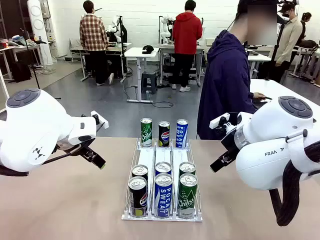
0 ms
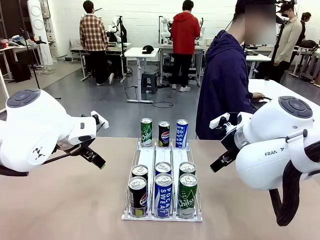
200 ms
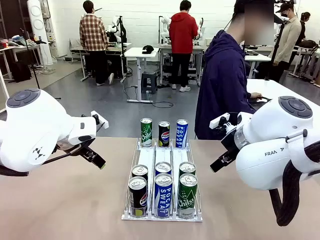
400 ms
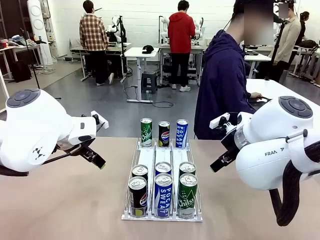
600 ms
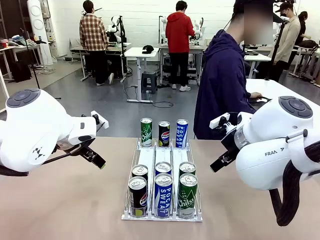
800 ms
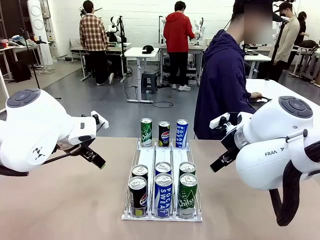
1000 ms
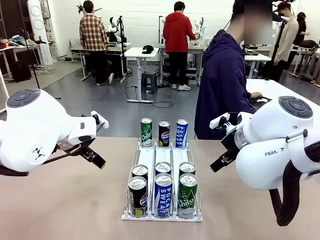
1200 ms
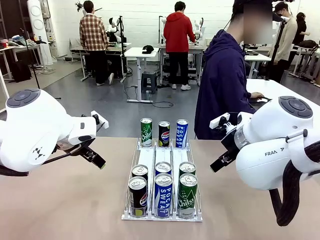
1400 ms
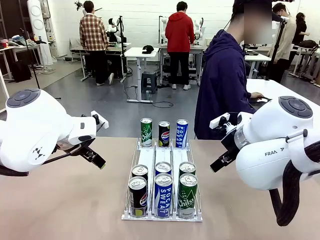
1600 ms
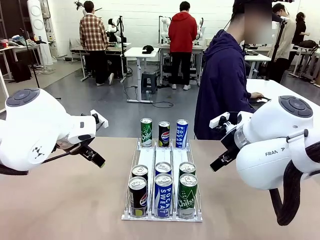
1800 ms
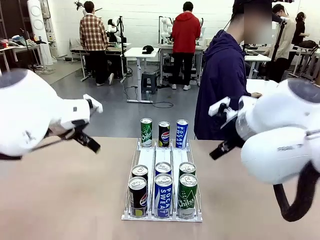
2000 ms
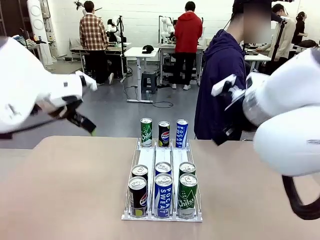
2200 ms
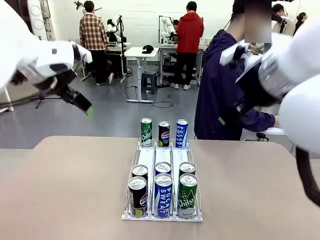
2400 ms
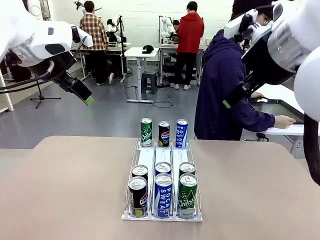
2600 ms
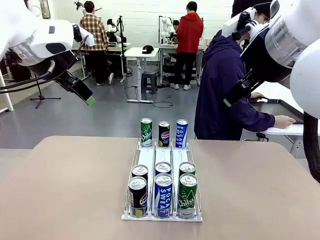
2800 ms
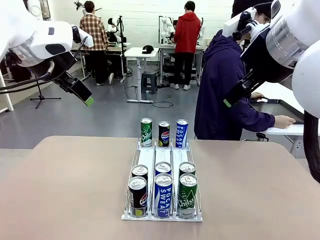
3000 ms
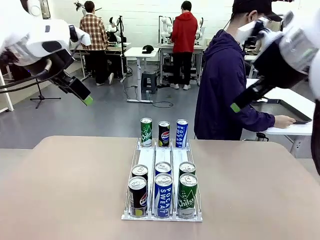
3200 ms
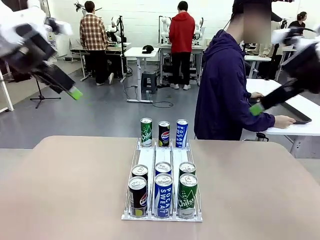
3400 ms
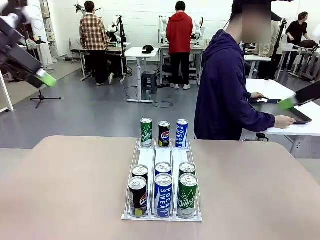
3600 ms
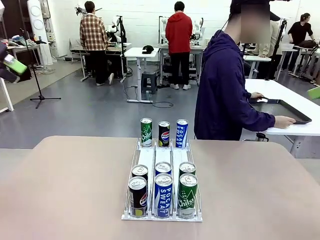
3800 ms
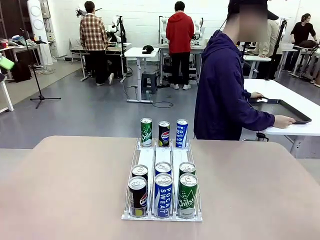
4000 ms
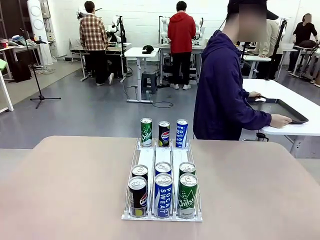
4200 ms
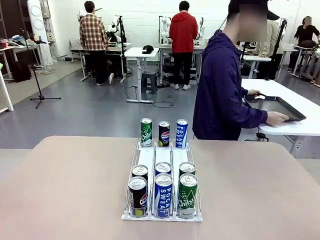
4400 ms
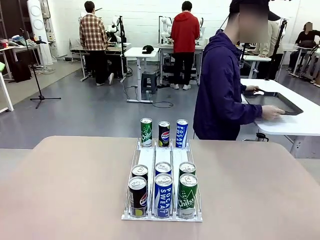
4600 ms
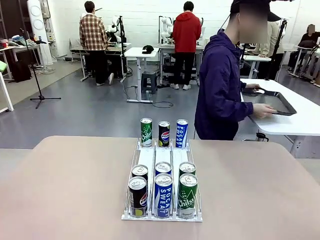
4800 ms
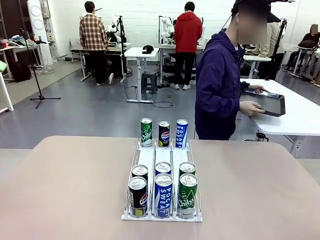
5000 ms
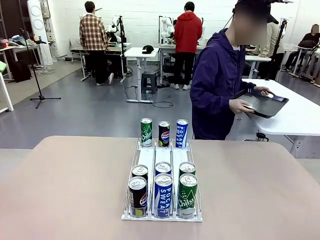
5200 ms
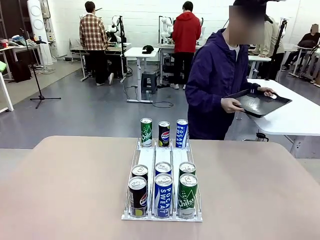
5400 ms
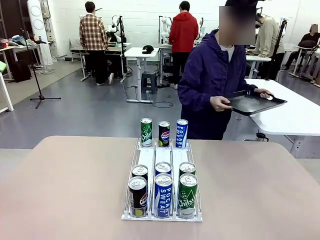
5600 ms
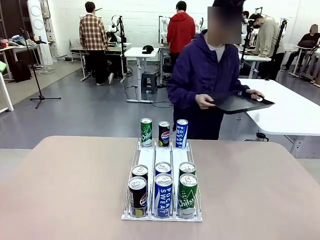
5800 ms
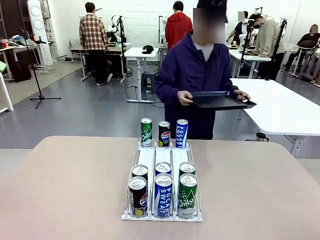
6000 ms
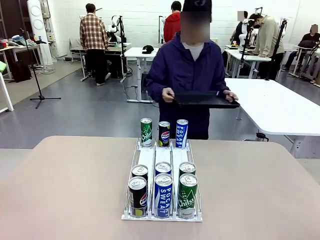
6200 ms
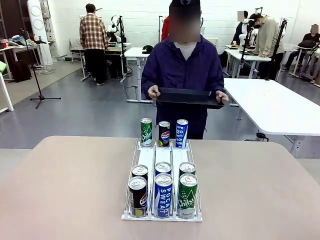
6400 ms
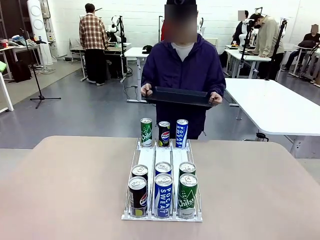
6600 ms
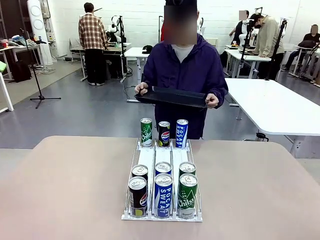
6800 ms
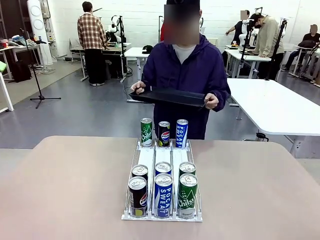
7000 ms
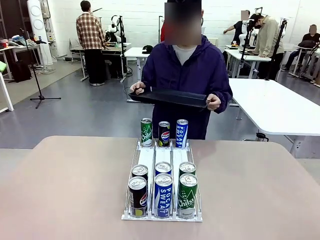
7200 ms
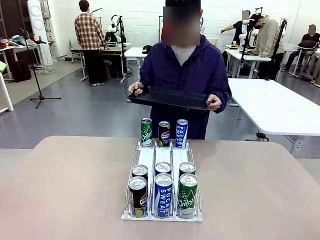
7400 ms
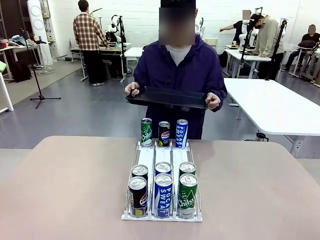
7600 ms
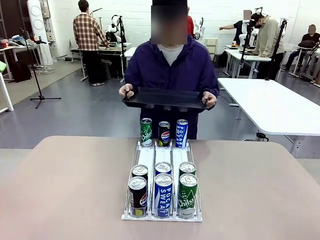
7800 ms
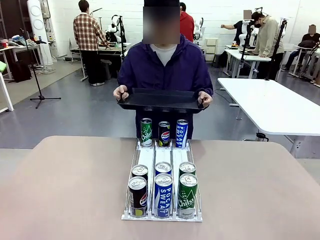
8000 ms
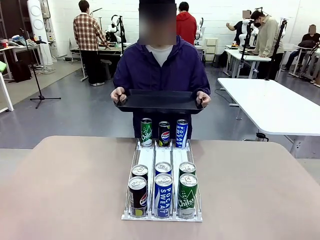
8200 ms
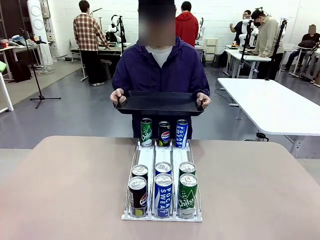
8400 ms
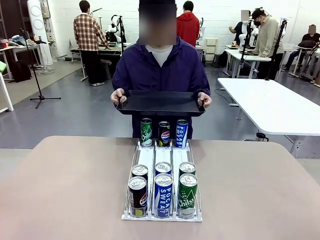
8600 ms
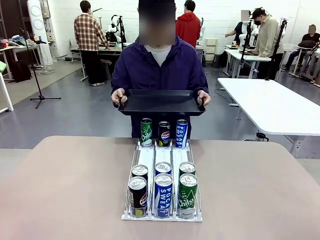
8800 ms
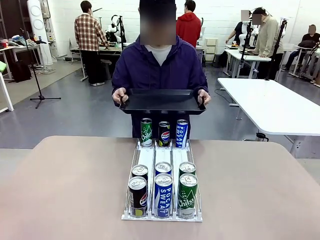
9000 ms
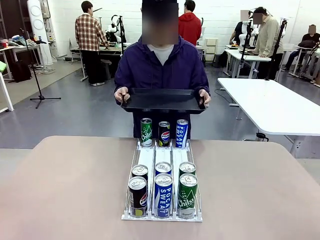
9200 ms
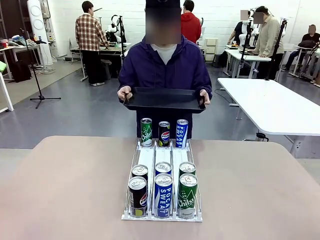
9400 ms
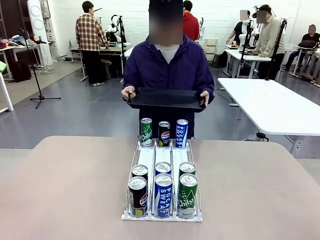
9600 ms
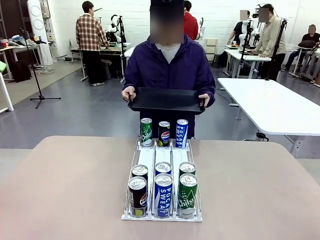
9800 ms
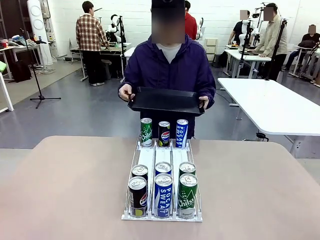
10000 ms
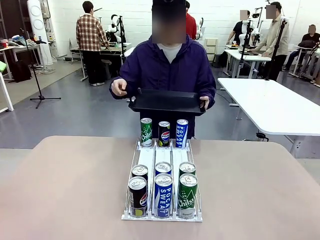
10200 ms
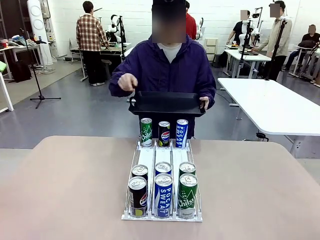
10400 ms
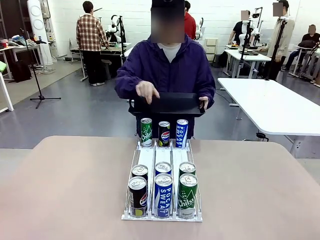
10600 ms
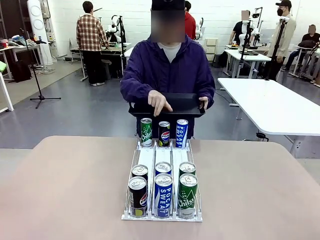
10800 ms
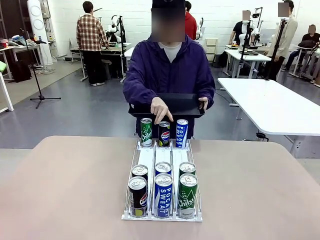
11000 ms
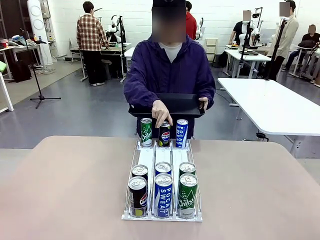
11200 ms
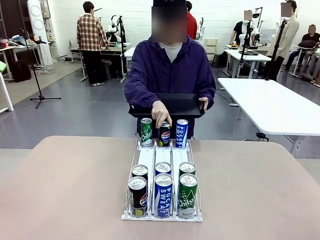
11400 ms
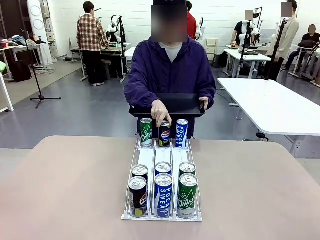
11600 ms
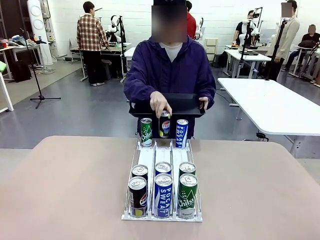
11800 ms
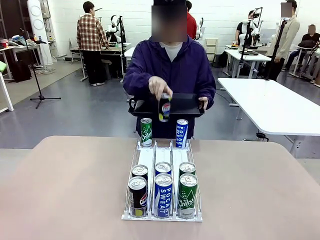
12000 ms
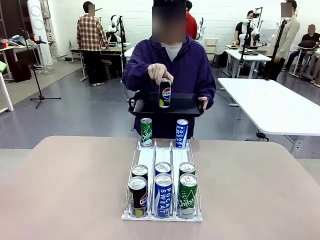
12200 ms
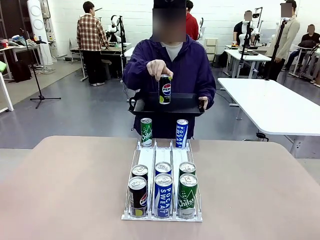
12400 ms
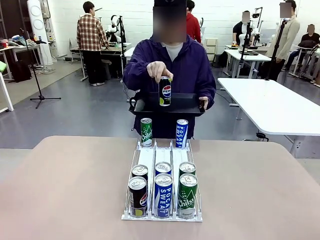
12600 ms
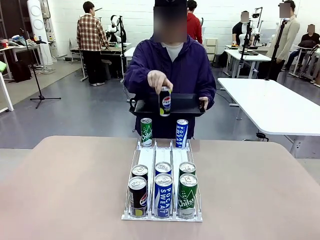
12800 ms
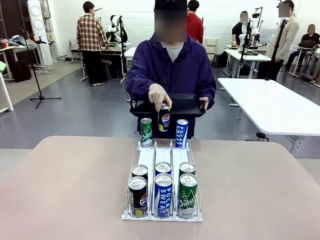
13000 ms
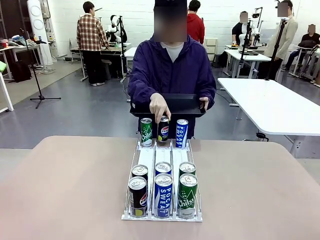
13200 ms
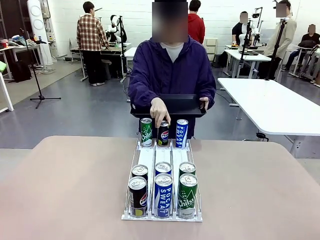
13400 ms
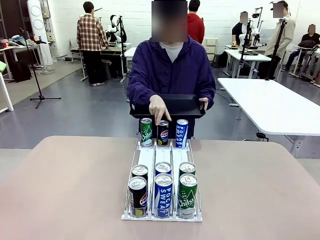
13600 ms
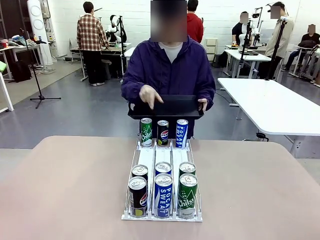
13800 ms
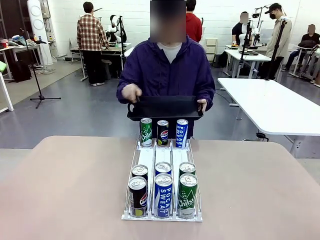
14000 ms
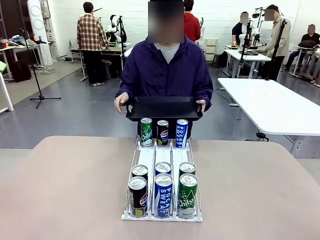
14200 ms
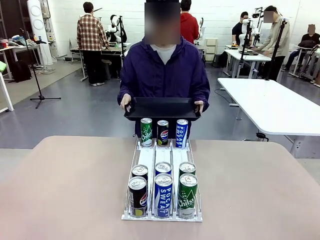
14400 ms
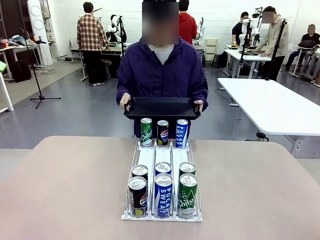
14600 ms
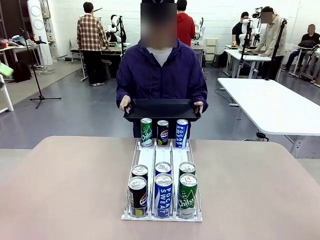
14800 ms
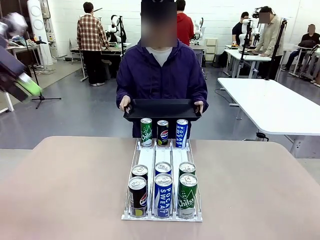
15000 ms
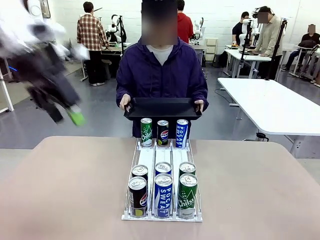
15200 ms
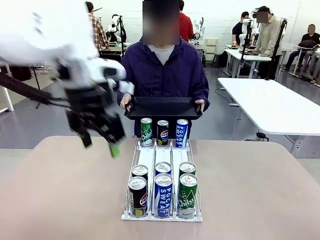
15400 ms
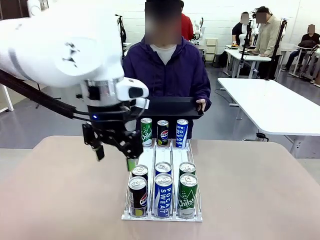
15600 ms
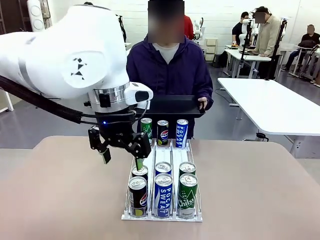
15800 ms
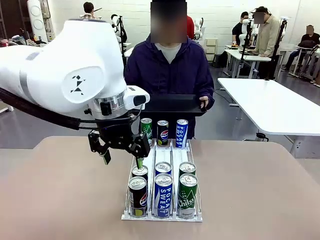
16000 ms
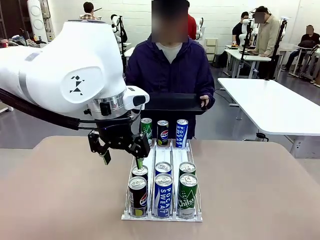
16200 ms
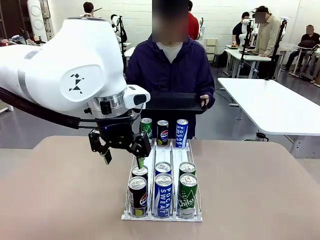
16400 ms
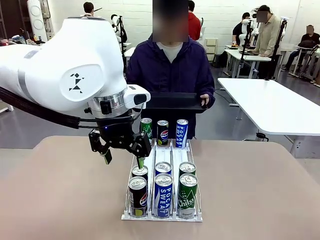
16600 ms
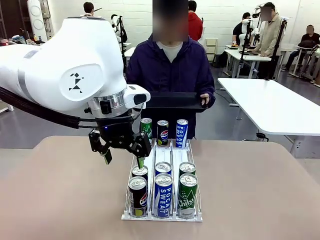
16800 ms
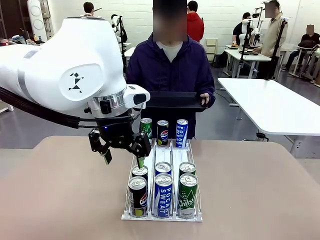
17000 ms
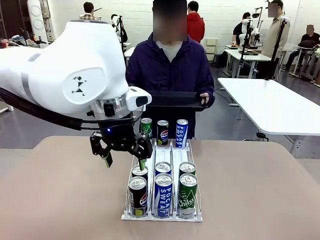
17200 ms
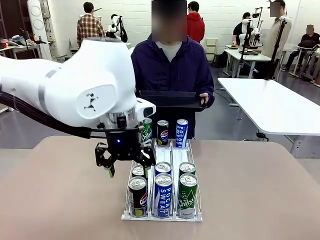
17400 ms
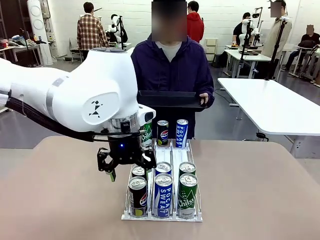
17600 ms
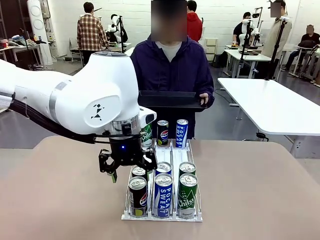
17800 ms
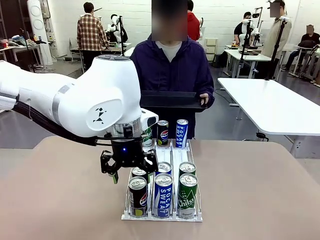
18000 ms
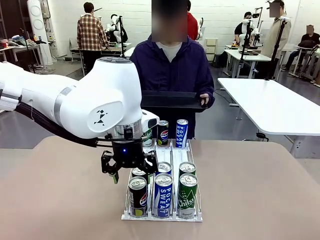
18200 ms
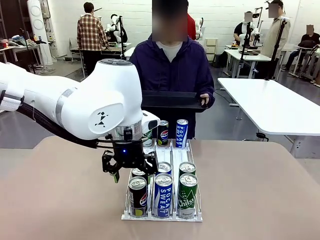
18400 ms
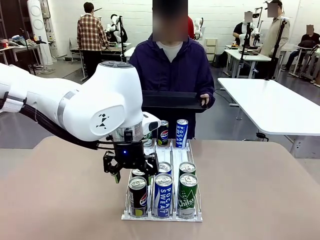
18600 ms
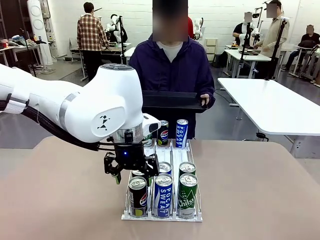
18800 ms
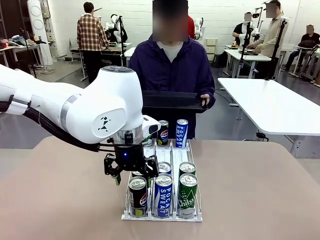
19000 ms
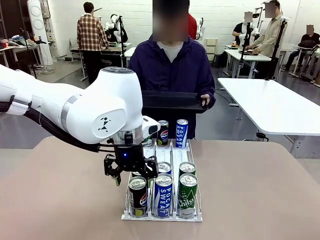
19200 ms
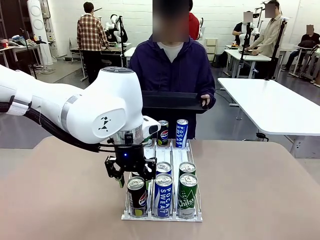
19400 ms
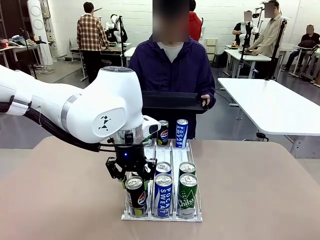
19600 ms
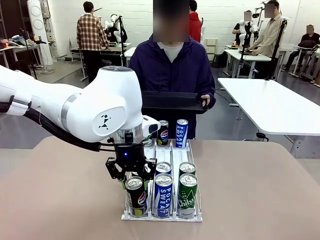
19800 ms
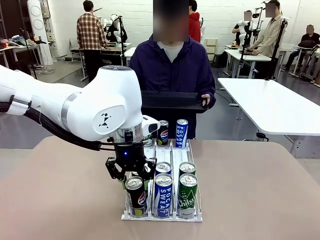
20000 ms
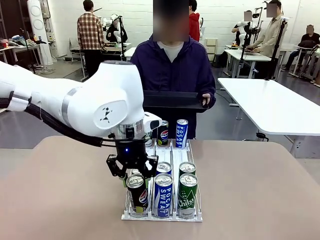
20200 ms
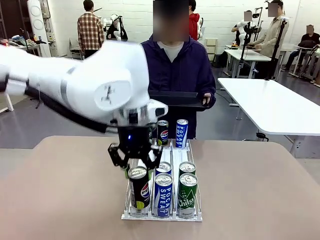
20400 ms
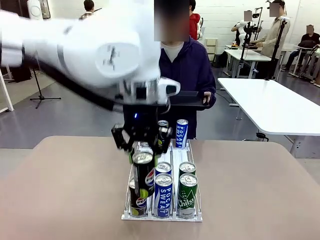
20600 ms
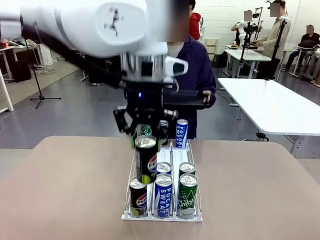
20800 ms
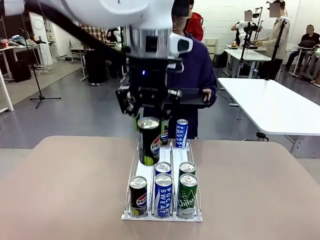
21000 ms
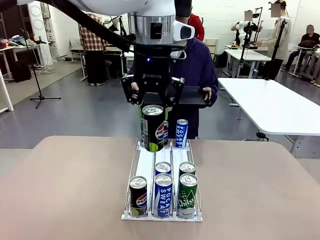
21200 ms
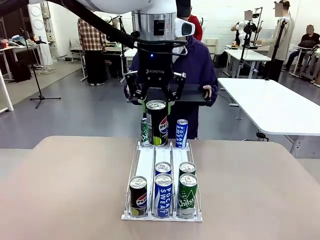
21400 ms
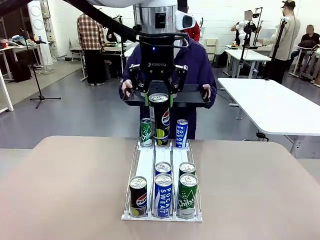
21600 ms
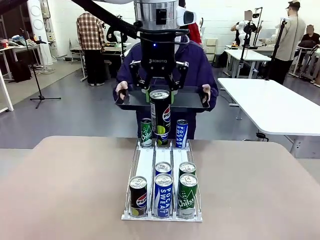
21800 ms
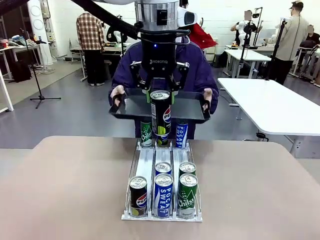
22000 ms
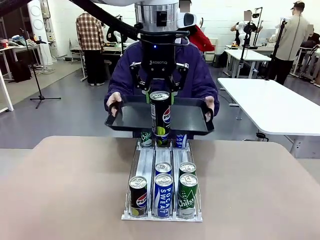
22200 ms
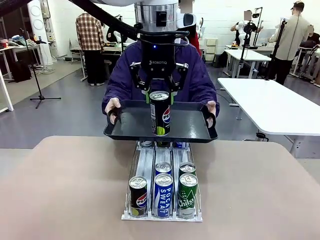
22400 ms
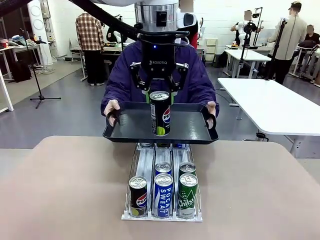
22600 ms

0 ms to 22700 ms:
Task: Retrieve and hand over the desired beverage to the person.
Robot: Pick up a can of the same type that the person held from the Automatic Can Dispenser.
Person: Hold the tray and position yourself in front of the robot table. Pick up one can from the bottom area of the table and puts it back in its original place. Push the tray toward the robot.
